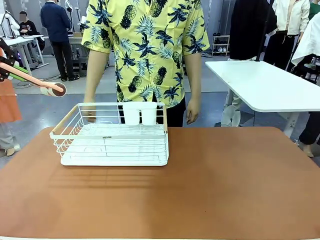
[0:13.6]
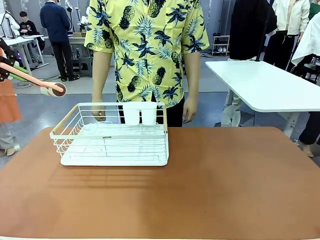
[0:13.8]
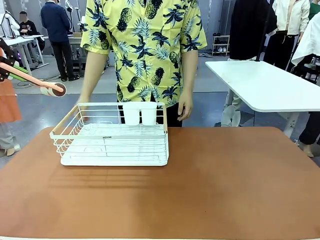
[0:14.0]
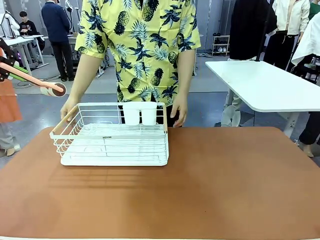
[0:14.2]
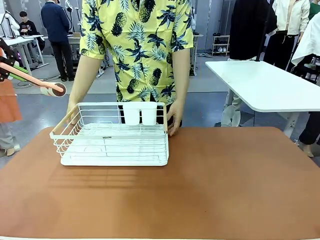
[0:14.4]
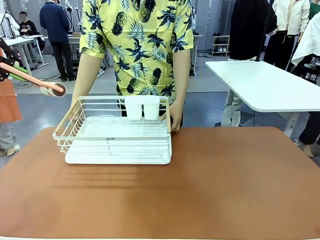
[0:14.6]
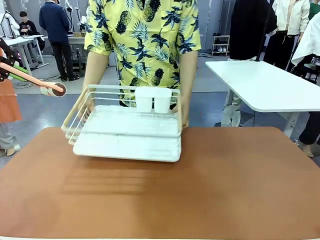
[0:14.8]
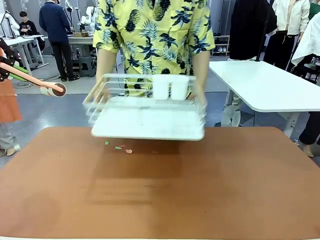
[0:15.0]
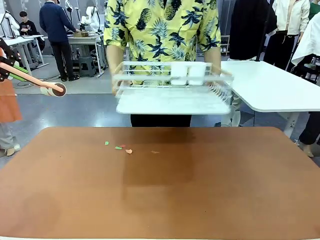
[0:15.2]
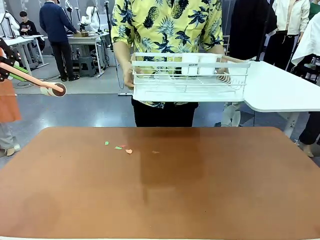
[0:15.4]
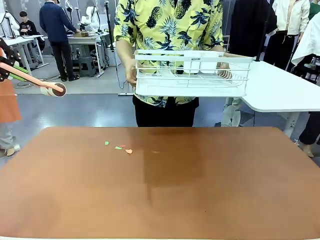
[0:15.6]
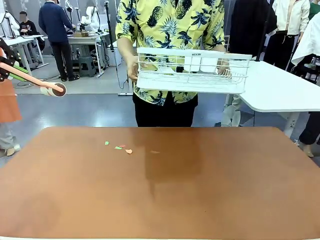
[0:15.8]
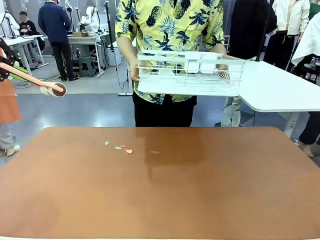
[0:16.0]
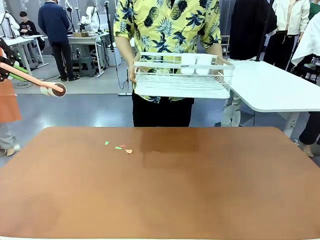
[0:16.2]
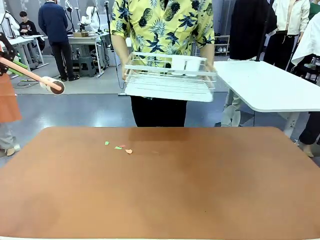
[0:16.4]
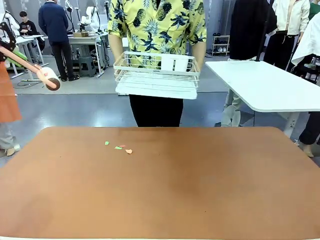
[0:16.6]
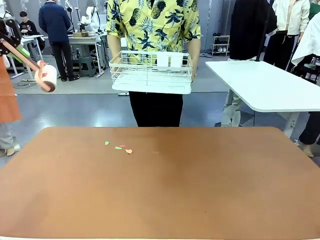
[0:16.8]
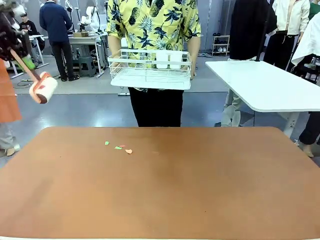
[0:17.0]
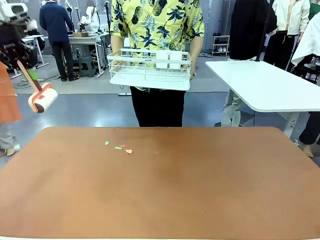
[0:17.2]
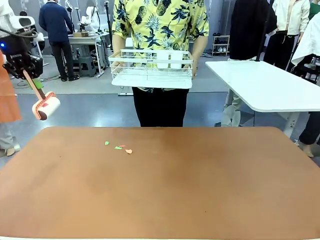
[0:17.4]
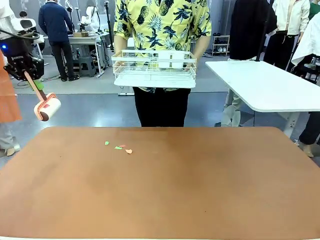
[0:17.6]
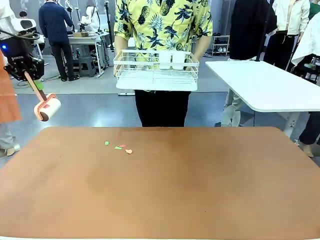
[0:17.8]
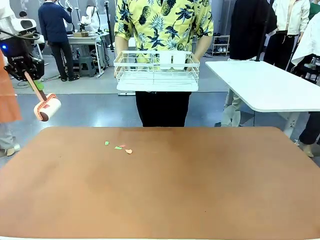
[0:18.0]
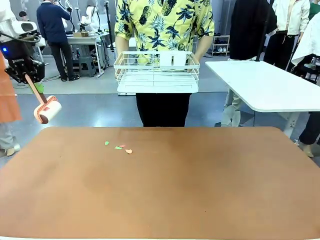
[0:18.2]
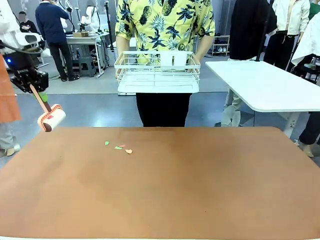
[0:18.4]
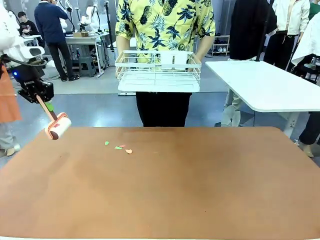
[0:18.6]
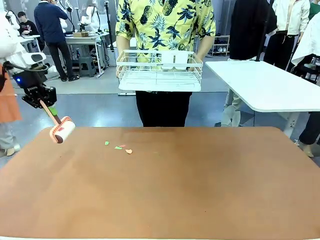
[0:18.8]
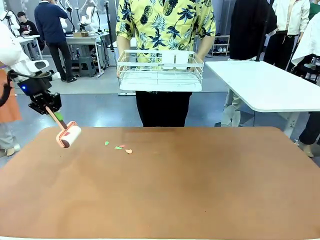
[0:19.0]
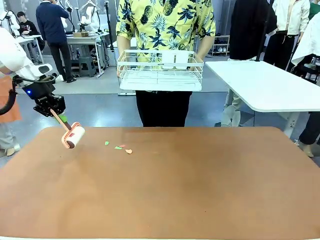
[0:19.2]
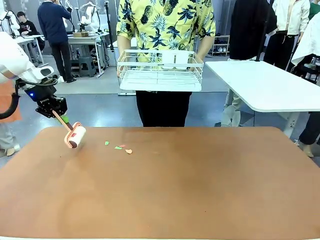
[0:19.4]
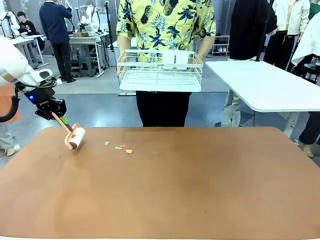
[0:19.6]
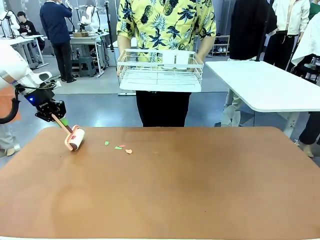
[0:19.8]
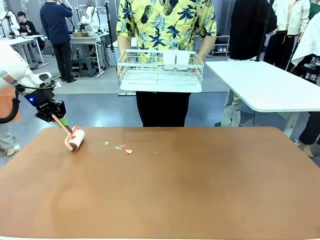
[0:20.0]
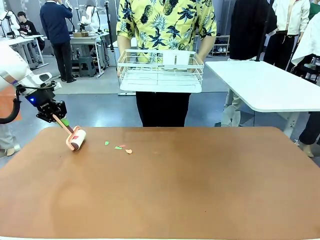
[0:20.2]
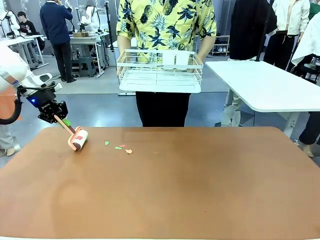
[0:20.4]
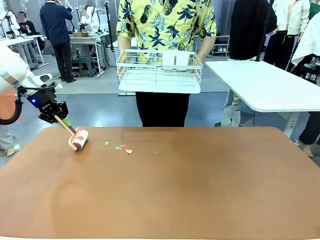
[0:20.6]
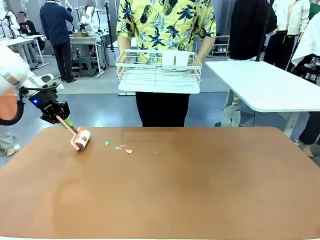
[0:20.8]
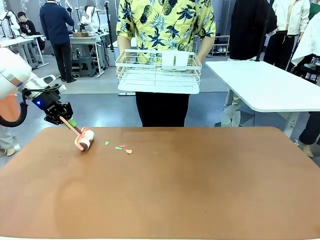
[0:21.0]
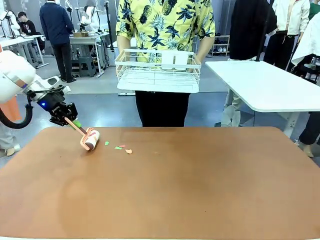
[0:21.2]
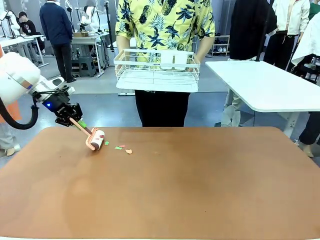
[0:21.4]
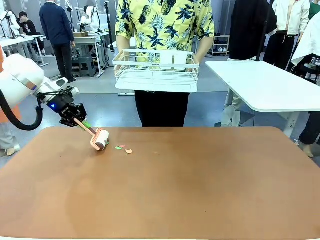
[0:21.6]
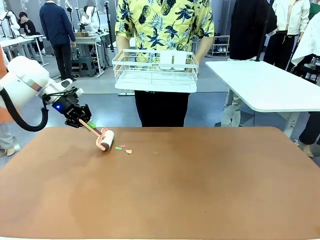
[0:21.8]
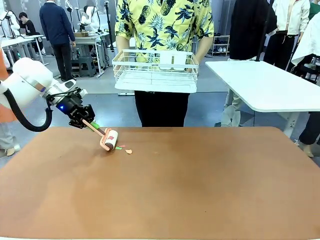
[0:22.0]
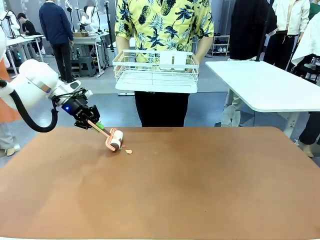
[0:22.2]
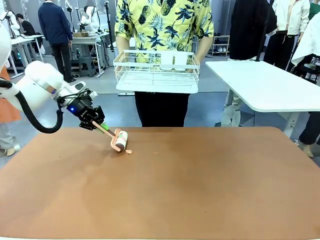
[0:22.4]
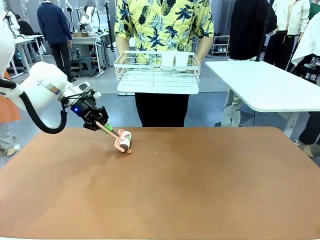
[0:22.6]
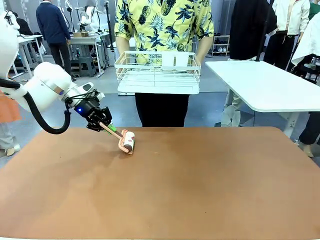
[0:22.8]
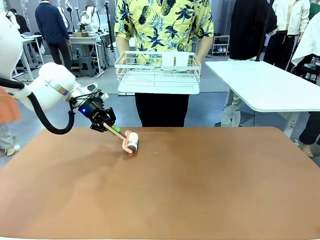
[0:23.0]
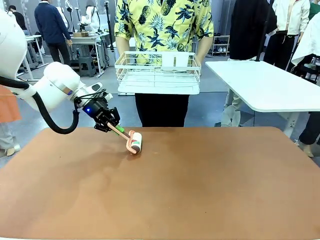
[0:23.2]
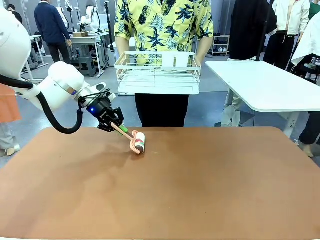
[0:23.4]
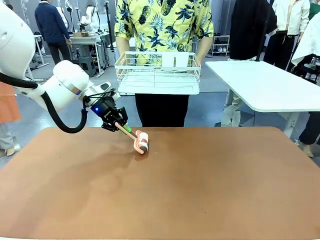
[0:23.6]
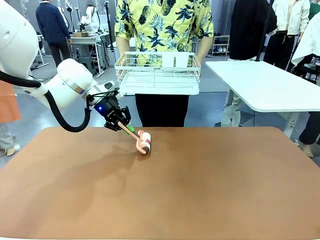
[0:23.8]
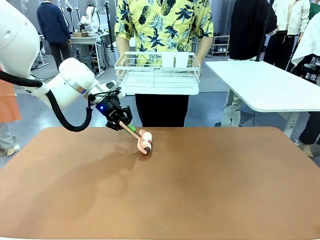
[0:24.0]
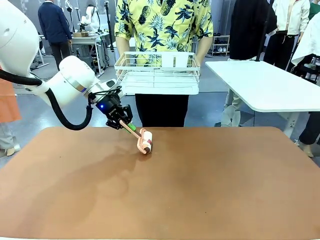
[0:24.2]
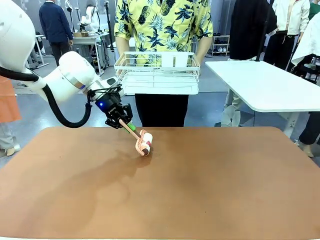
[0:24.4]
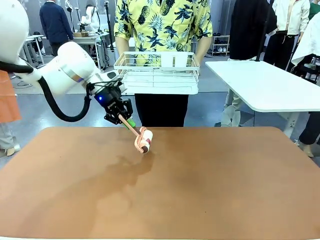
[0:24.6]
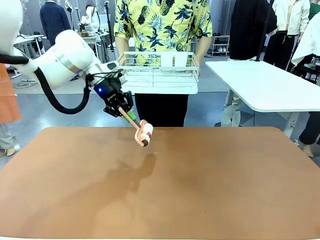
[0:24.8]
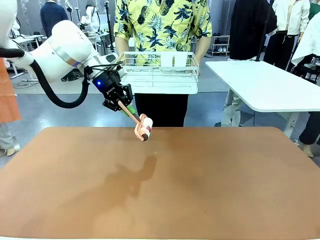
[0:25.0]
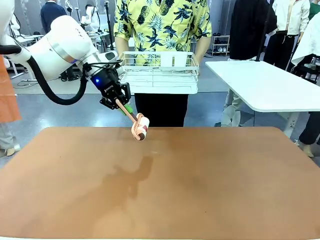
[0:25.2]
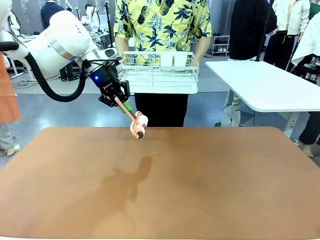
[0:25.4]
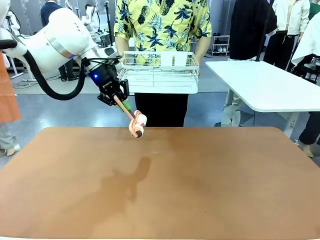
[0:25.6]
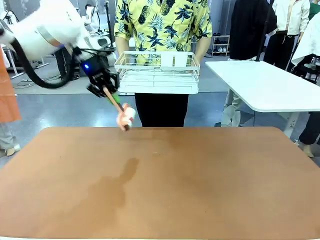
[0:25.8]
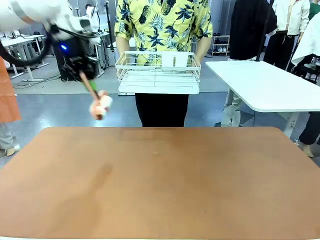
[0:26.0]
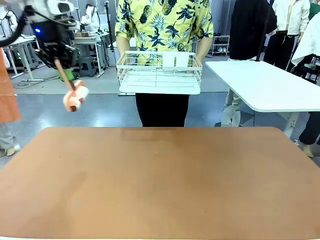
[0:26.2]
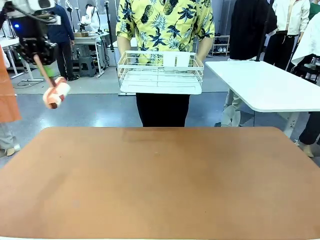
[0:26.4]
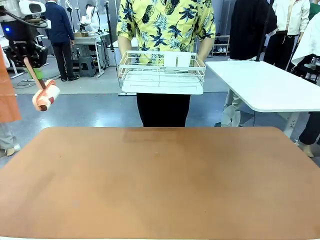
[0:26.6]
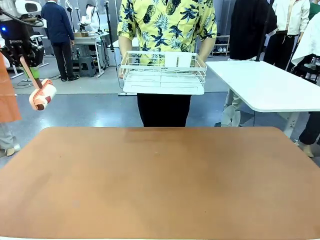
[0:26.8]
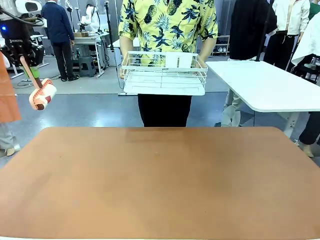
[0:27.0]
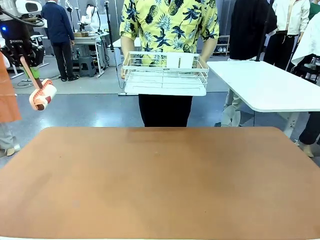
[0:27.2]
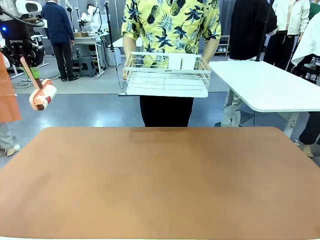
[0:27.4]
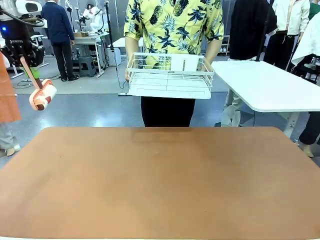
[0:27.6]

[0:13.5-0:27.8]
Task: Clean the table.
Robot: Clean the table with the Lint Roller when the human lifts the Dish drying rack.
Person: Place the Dish drying rack down when the robot finishes cleaning.

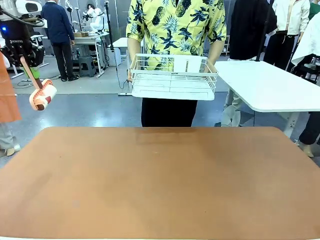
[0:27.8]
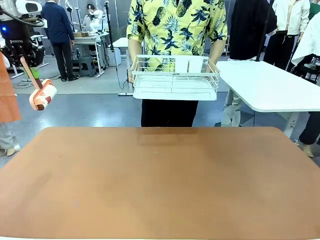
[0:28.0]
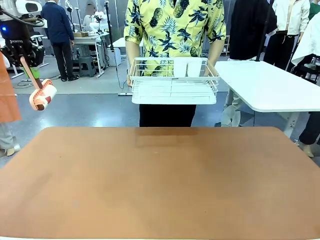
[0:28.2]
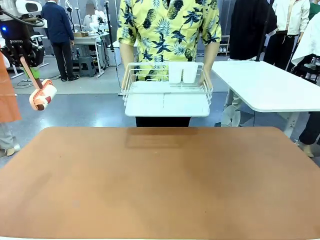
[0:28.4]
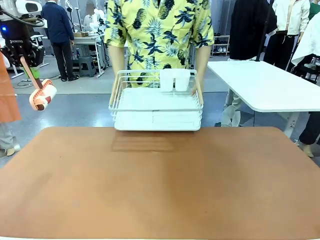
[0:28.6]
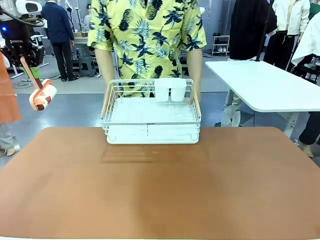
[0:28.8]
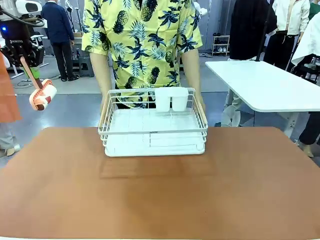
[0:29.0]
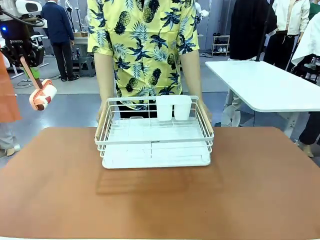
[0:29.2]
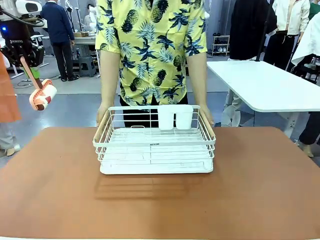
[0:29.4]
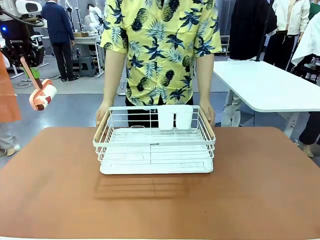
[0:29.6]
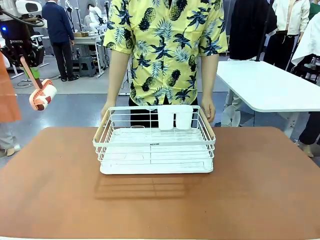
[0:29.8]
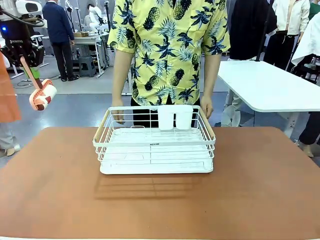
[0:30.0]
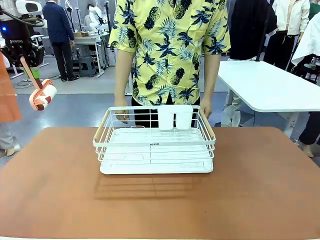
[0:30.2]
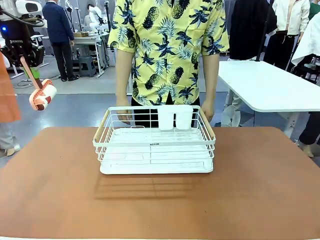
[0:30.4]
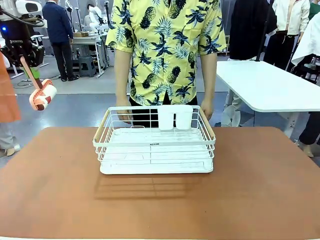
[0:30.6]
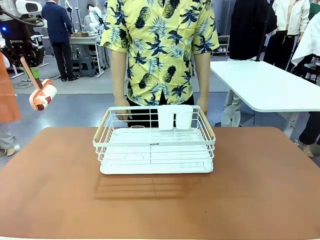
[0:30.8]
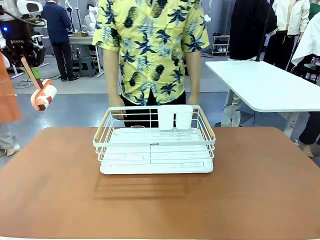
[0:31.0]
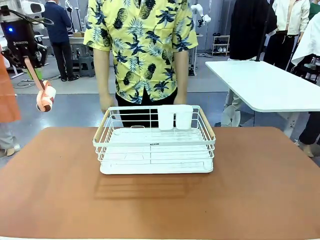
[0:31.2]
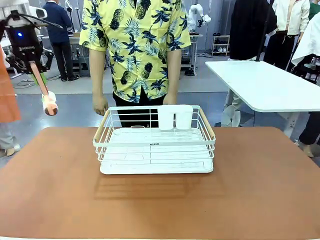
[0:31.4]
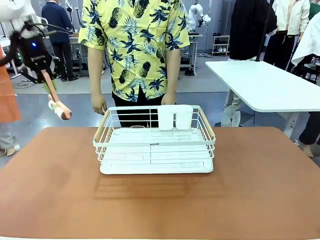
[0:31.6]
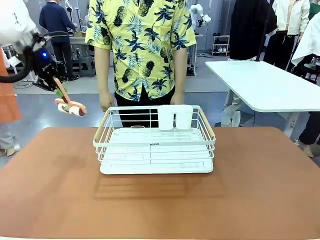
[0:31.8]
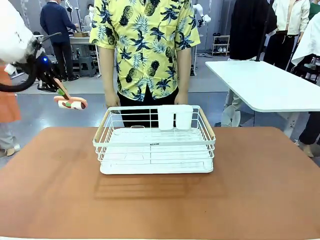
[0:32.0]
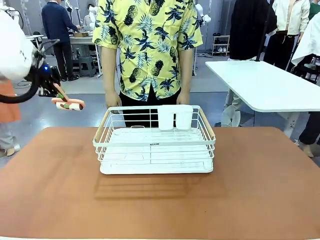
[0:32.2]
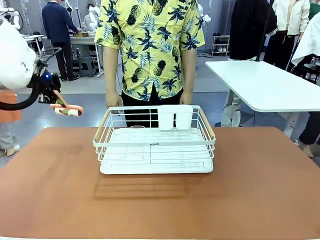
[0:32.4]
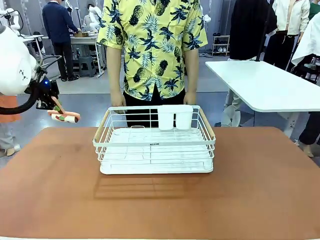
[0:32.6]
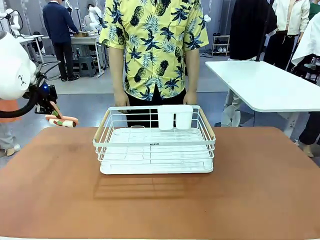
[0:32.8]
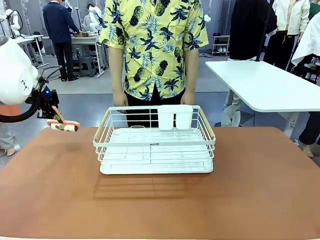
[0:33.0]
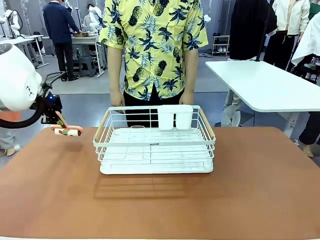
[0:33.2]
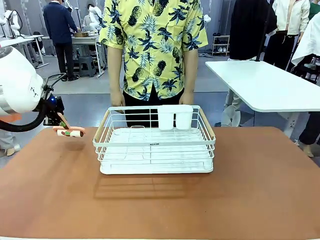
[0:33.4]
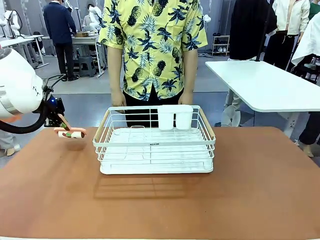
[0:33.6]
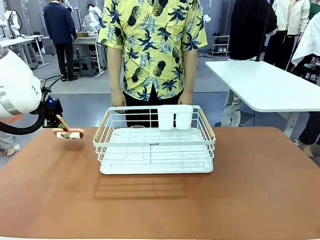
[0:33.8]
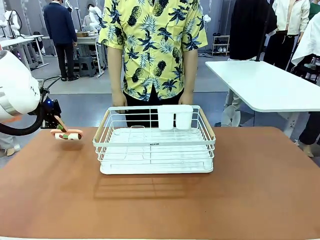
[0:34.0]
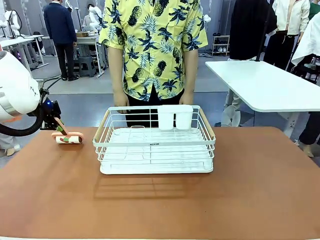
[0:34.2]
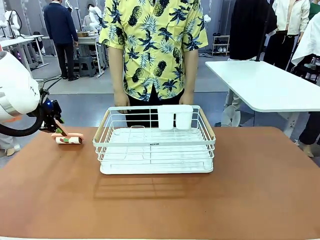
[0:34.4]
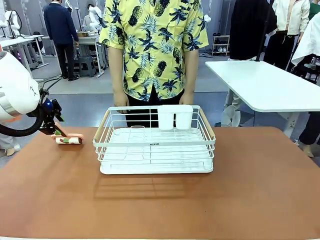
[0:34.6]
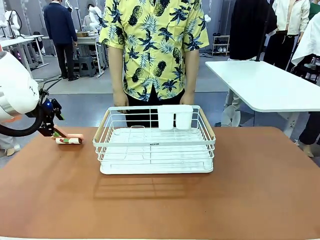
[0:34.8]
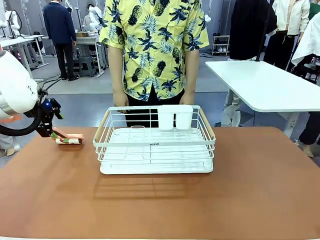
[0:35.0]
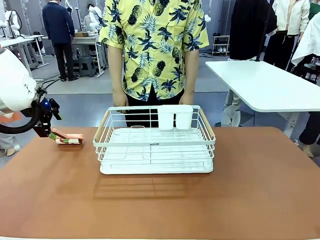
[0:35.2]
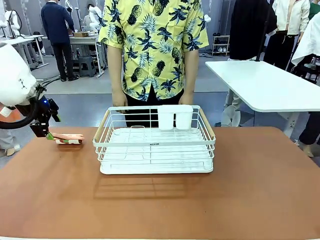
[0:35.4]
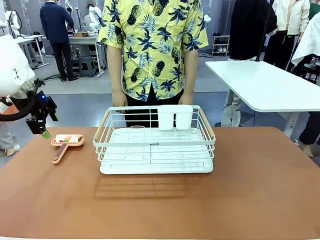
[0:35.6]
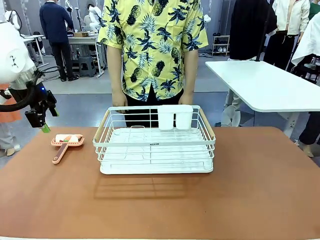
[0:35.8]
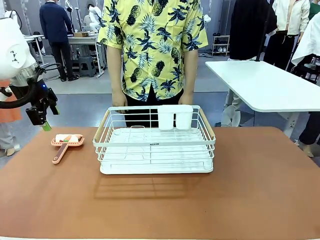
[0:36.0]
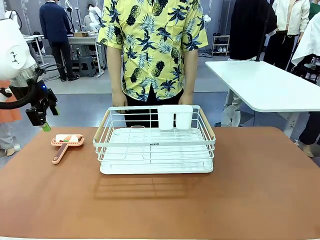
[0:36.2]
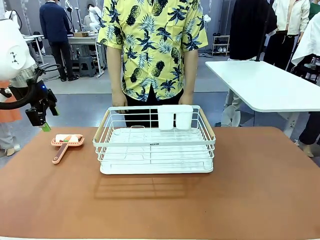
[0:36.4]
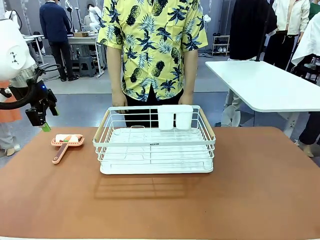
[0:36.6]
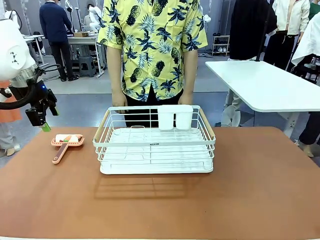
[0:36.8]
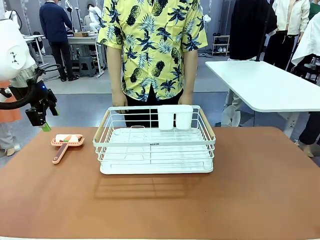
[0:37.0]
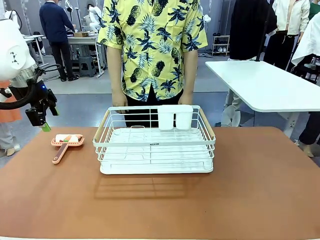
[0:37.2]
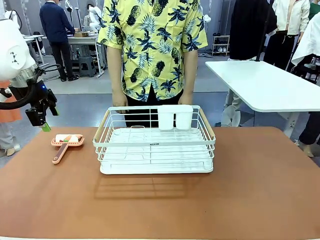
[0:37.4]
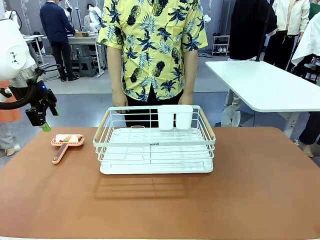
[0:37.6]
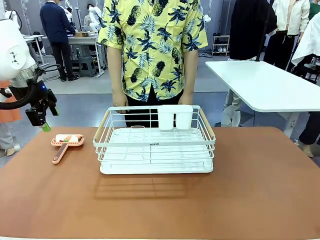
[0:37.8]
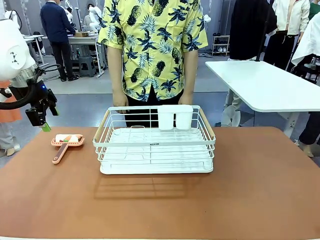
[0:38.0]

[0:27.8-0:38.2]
Robot: Place the Lint Roller down when the Dish drying rack is positioned in the middle of the table.
